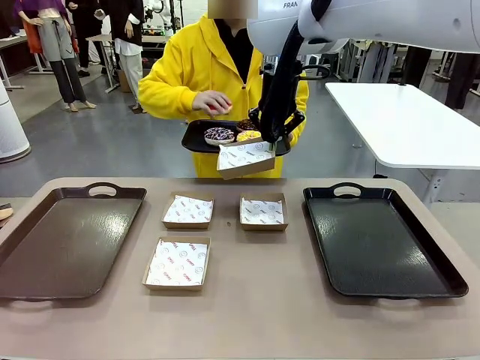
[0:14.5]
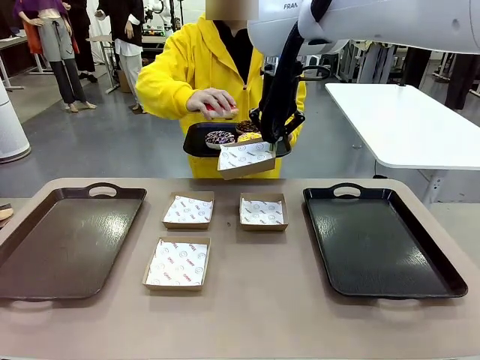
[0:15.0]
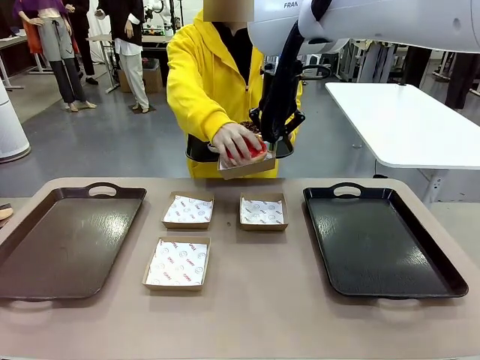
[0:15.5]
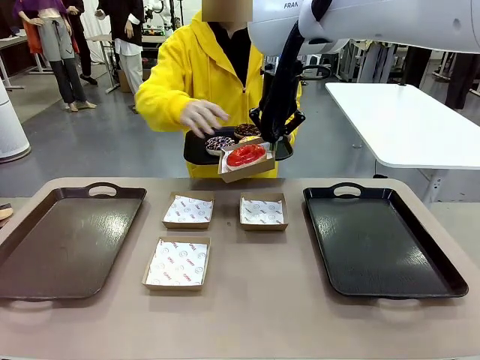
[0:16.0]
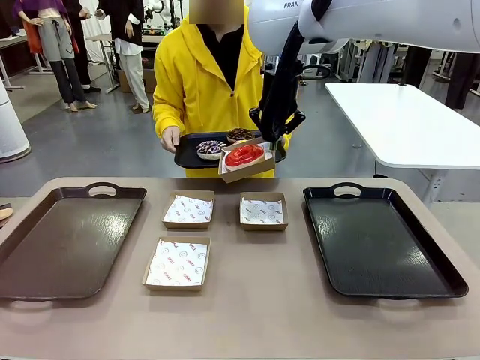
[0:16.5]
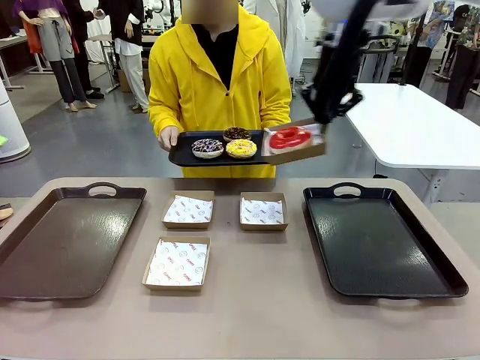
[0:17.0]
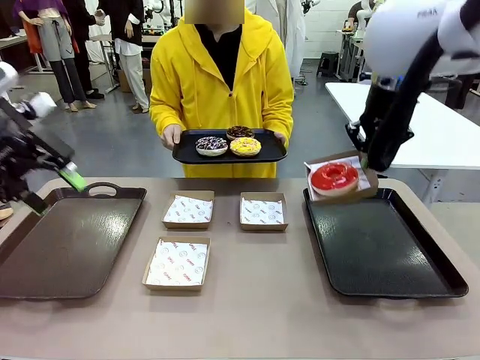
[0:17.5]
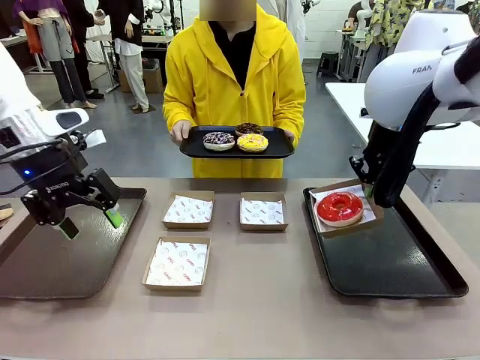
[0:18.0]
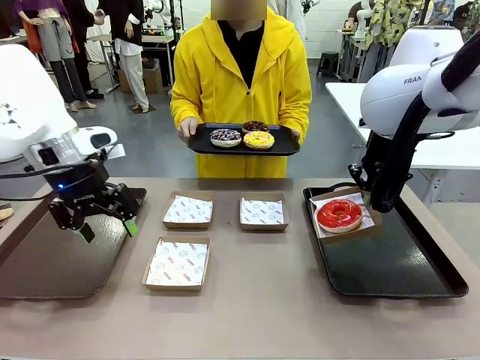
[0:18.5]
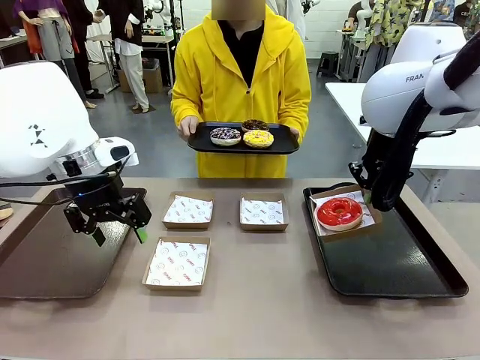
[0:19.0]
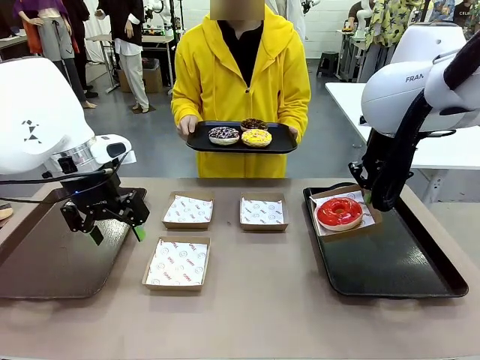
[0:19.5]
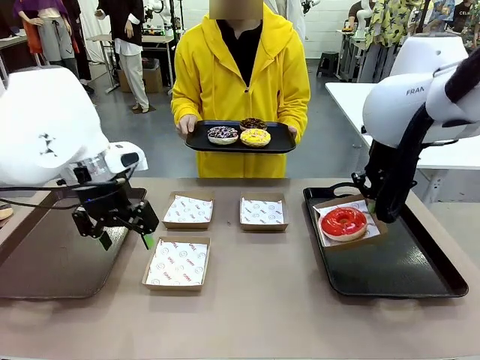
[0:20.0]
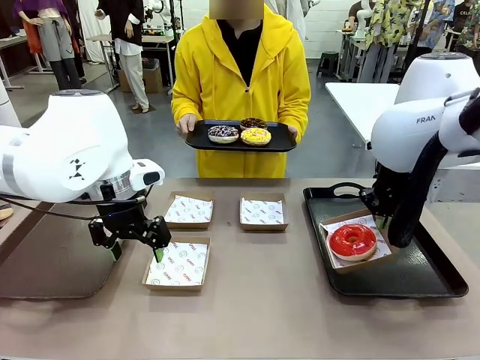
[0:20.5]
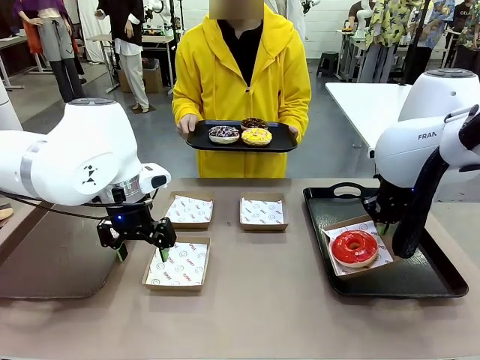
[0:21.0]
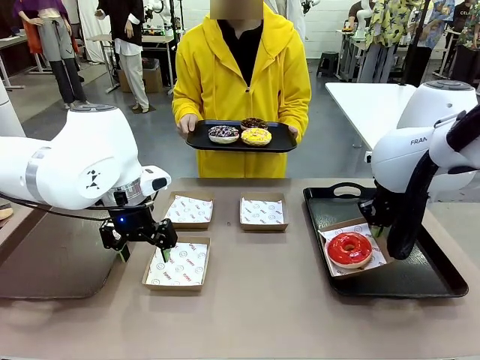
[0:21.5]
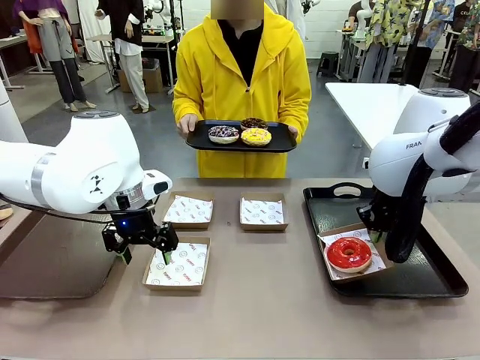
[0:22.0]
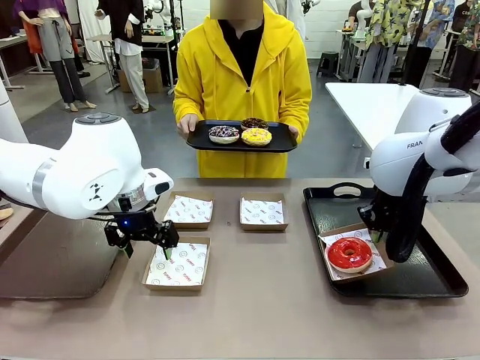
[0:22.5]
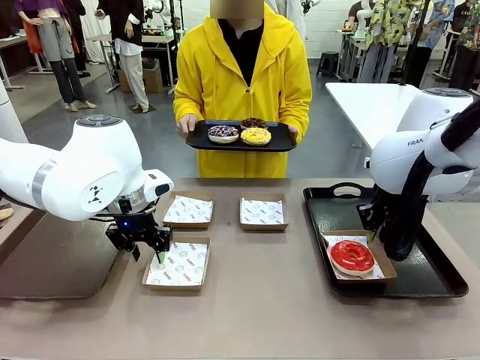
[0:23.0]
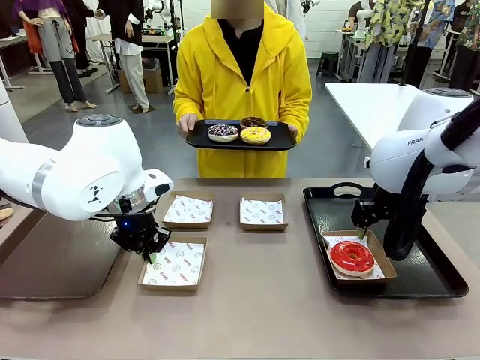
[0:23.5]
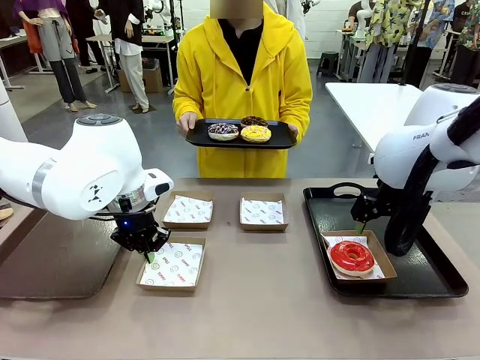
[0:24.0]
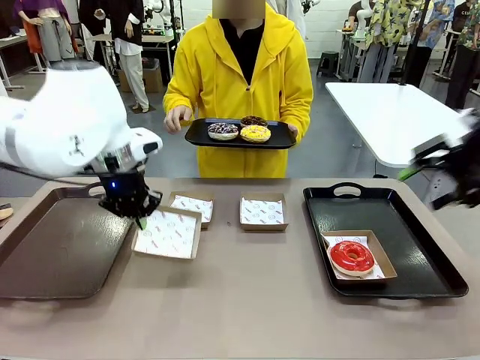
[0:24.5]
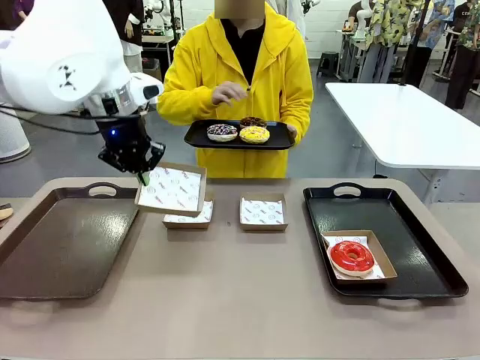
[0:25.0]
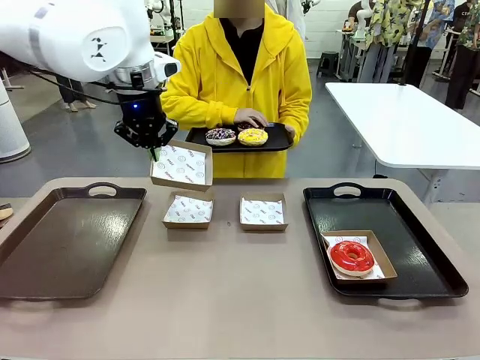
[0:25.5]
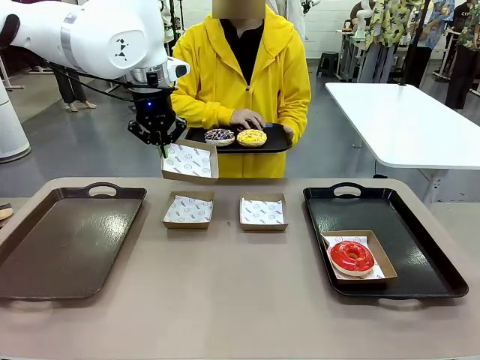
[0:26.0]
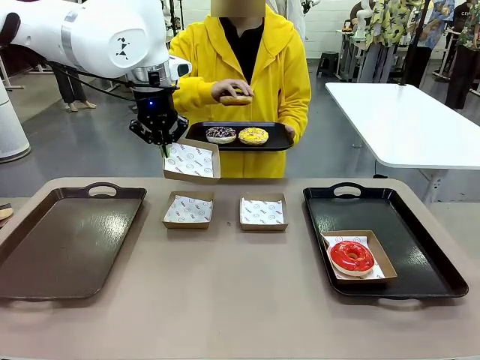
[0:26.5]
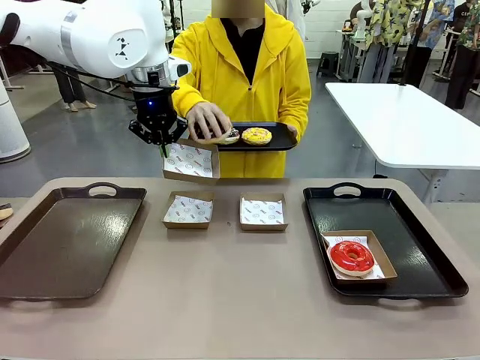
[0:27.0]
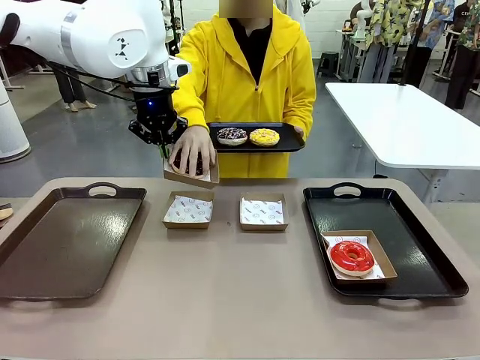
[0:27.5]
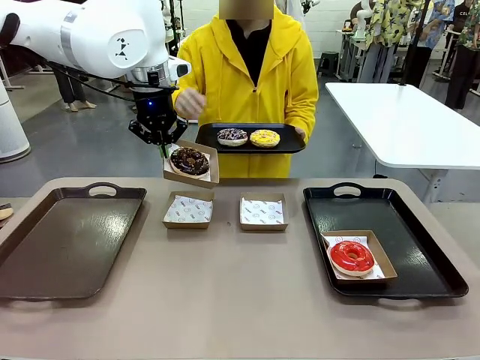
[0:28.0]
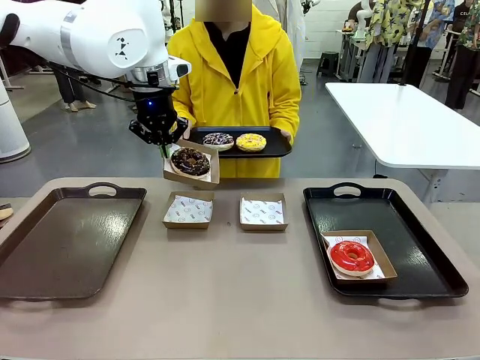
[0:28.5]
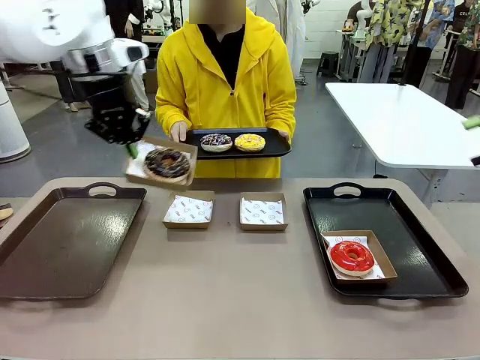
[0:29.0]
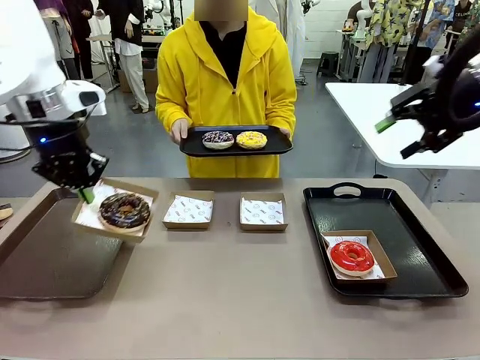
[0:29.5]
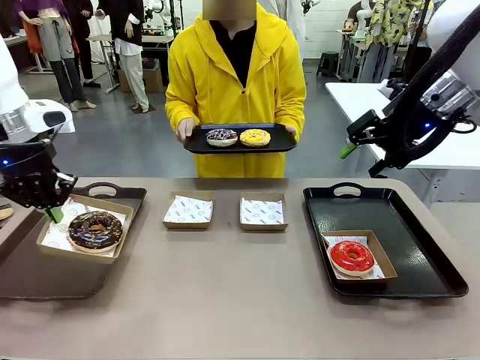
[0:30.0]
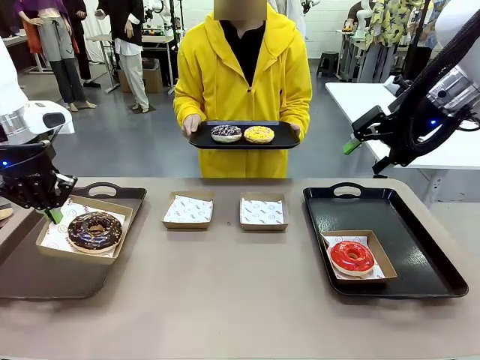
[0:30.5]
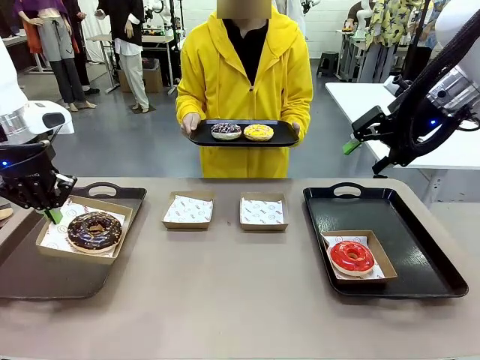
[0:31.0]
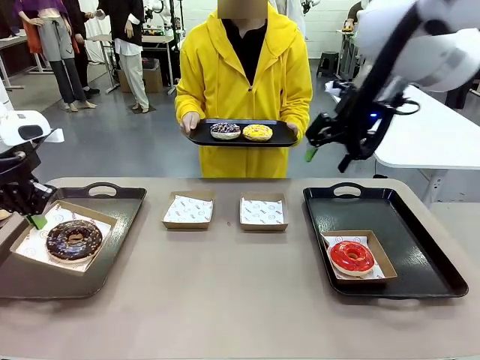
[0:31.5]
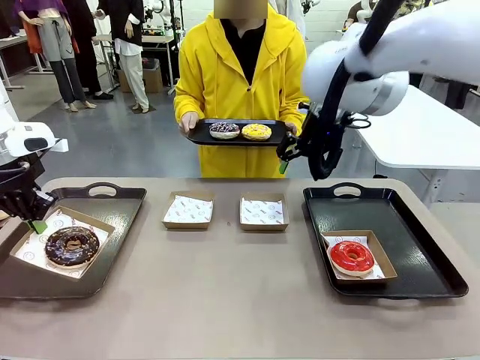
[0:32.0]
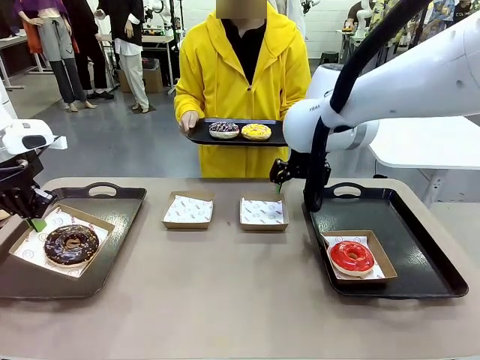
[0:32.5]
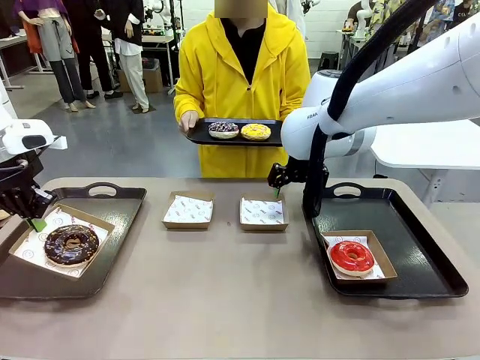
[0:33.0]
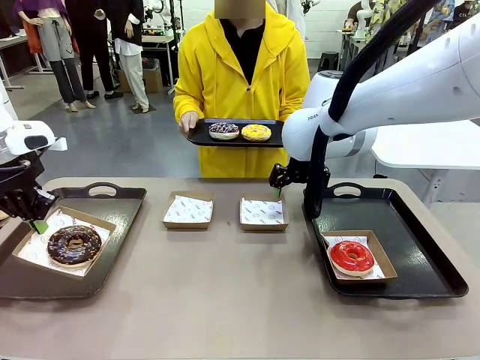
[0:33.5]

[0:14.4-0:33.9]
Task: Individually package the donuts and arrange them on the tray.
Robot: Place the picked Paper togo box on the Handle tray while simultaneously picking up another Paper togo box from the table with the other hand.

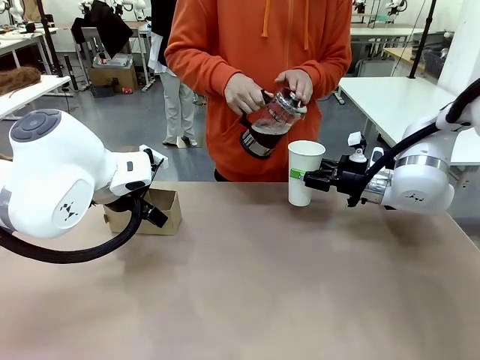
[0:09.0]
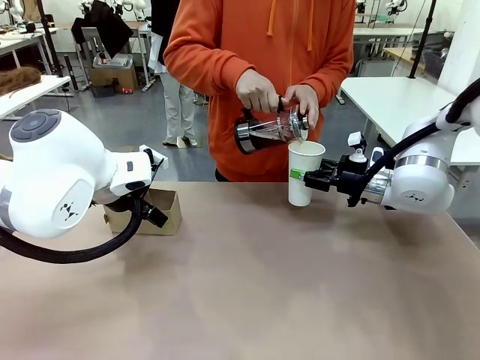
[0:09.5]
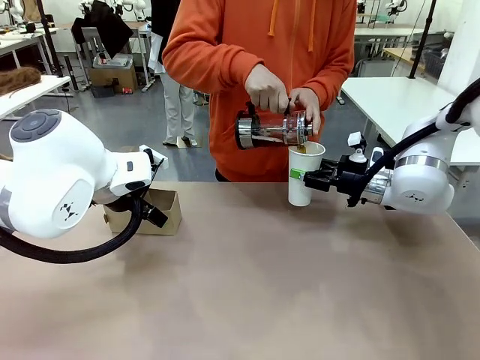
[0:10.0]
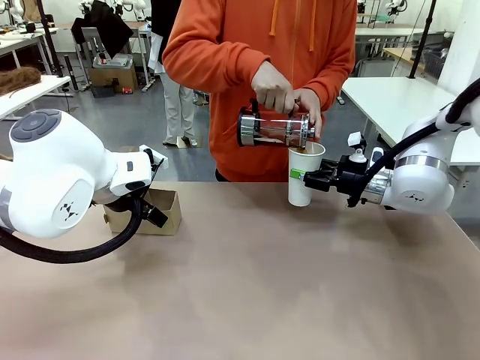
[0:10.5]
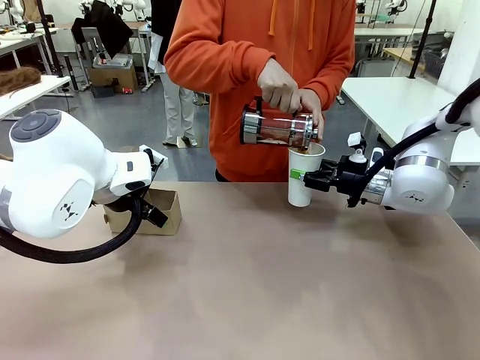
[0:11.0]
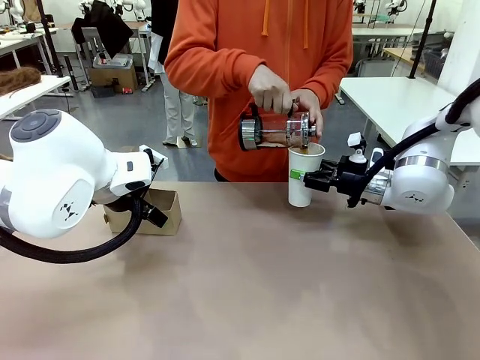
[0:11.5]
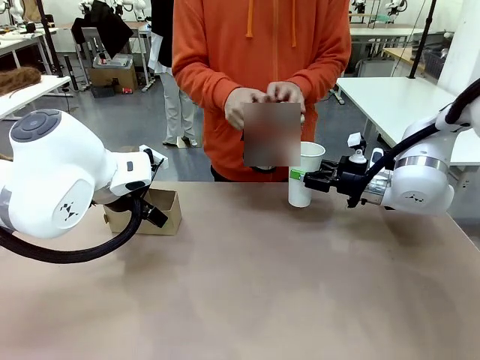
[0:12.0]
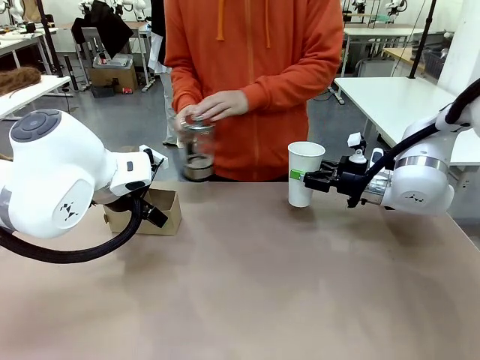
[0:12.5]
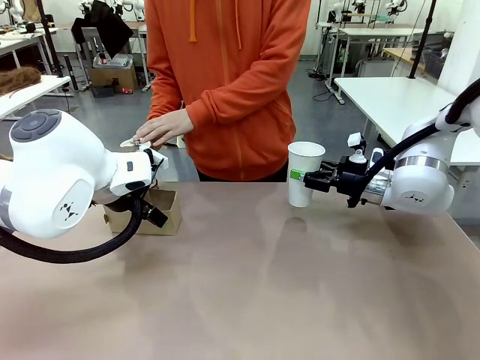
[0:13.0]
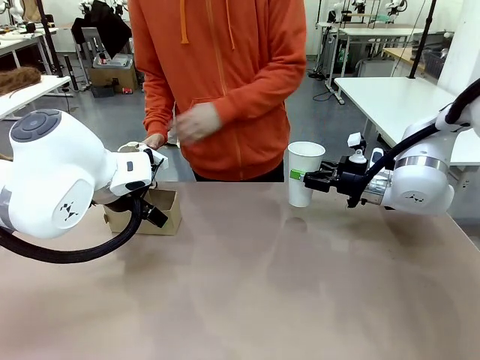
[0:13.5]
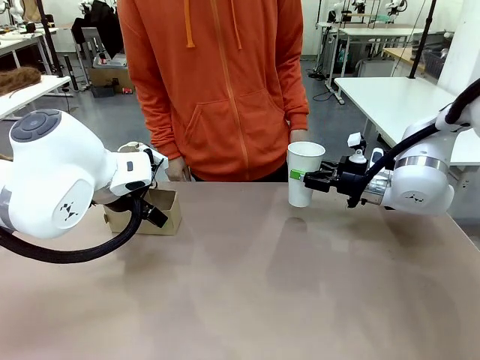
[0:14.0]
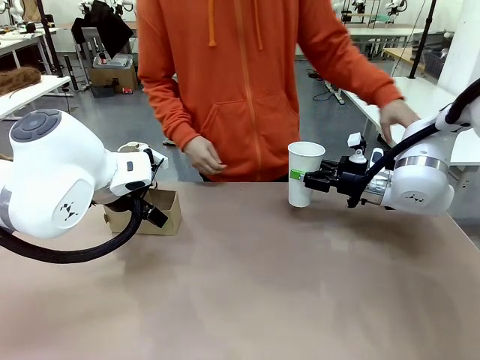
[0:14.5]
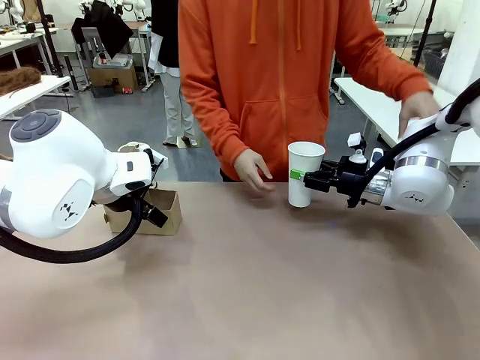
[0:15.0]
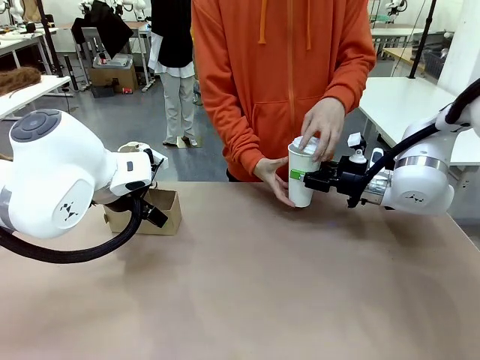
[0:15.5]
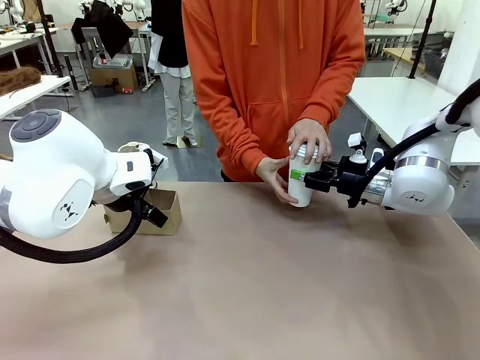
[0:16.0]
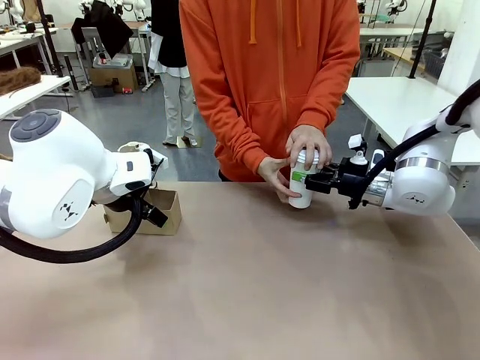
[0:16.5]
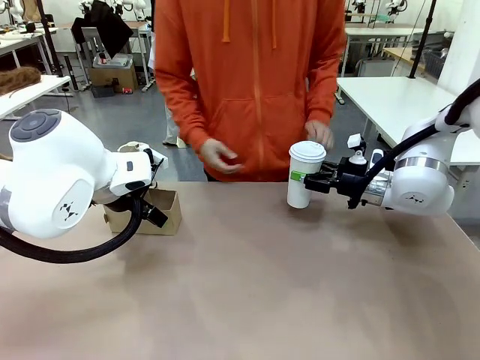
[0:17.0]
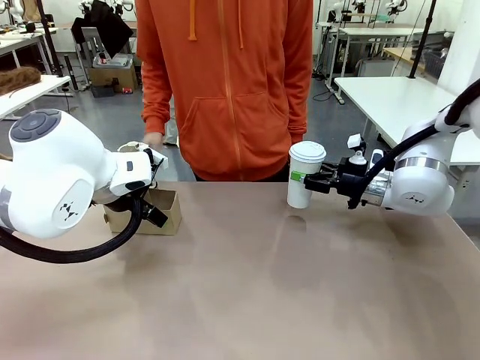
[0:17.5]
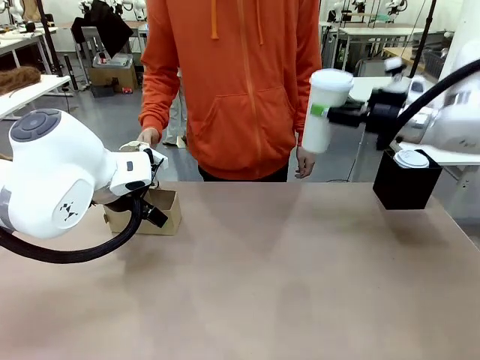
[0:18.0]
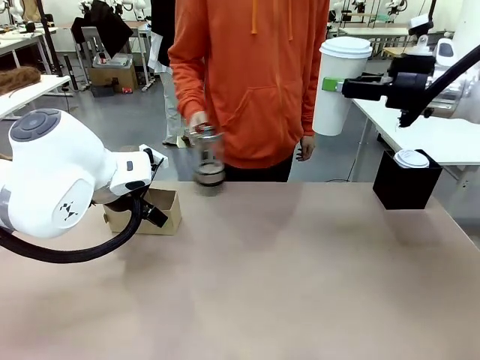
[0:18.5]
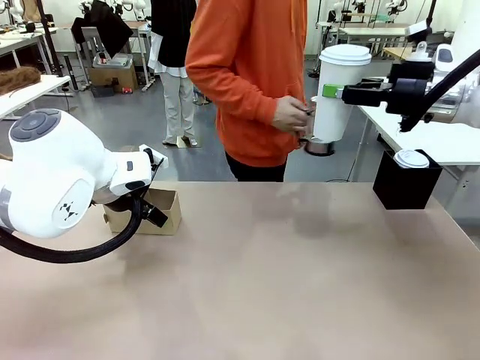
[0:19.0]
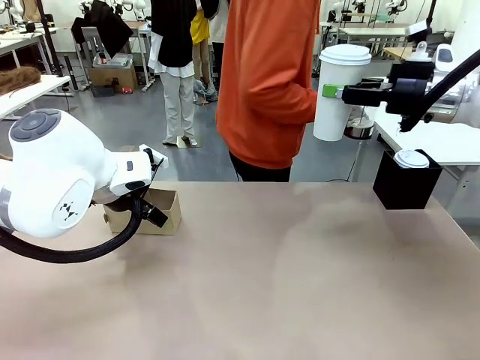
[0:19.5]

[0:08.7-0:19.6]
Task: Pour a drink into a cup and package it in a carrier.
Robot: When a person places the Paper Cup Lid on the 600 ml Paper Cup , lift the 600 ml Paper Cup.
Person: Pour the drink from the Filter Brewing into the 600 ml Paper Cup. Place a Paper Cup Lid on the 600 ml Paper Cup.
